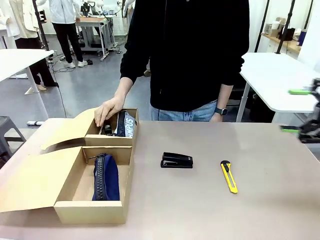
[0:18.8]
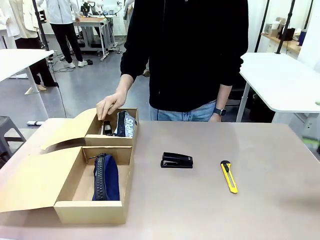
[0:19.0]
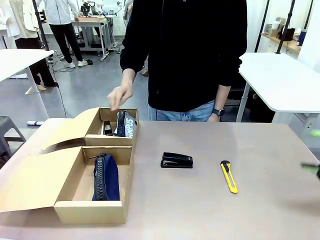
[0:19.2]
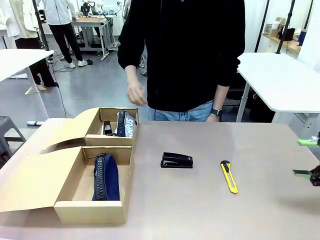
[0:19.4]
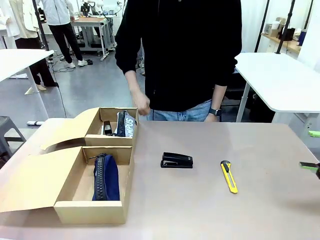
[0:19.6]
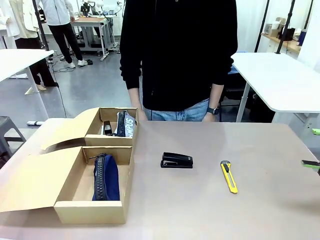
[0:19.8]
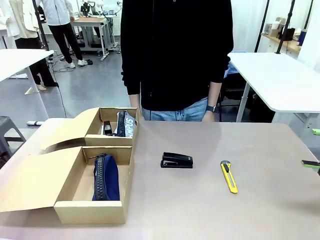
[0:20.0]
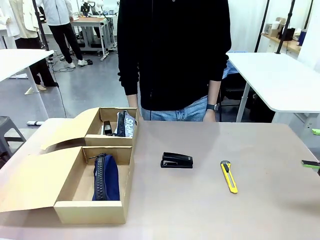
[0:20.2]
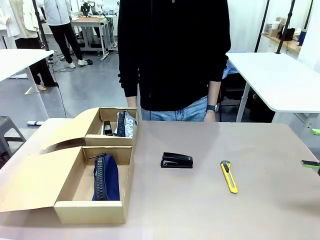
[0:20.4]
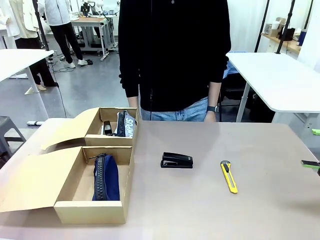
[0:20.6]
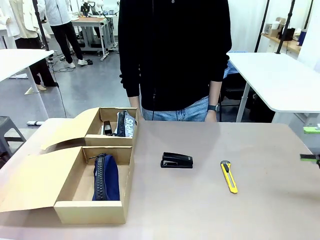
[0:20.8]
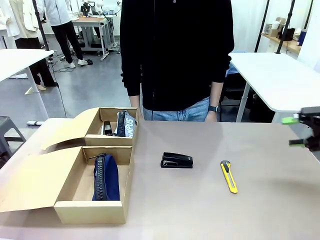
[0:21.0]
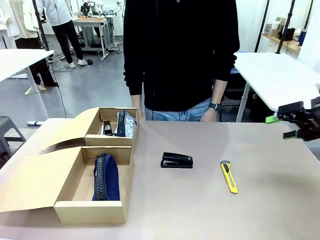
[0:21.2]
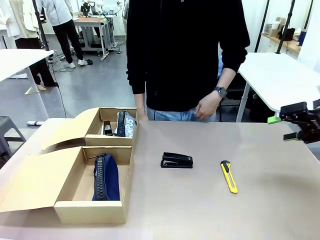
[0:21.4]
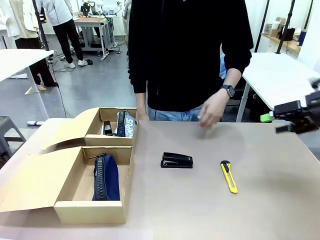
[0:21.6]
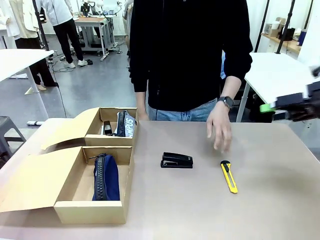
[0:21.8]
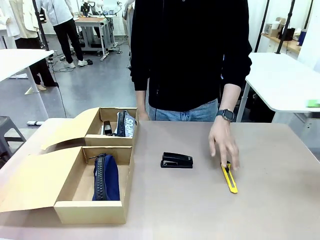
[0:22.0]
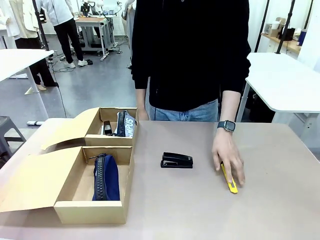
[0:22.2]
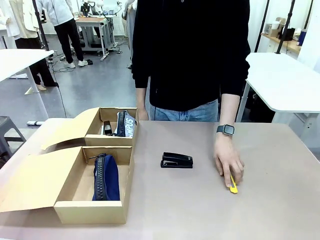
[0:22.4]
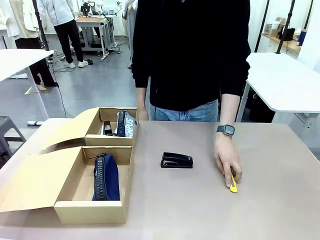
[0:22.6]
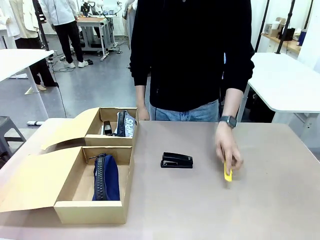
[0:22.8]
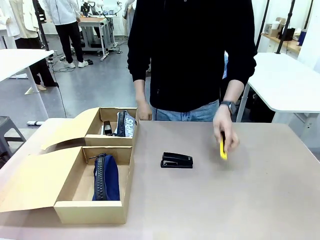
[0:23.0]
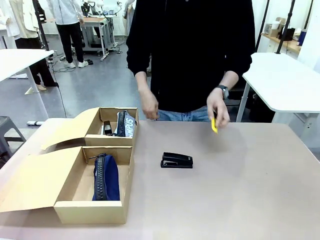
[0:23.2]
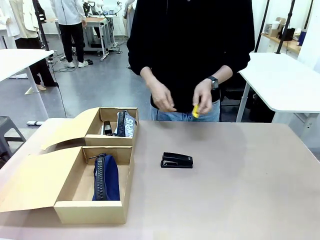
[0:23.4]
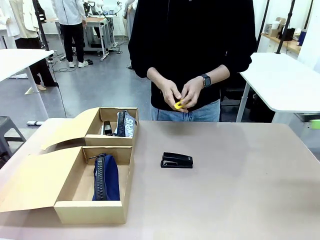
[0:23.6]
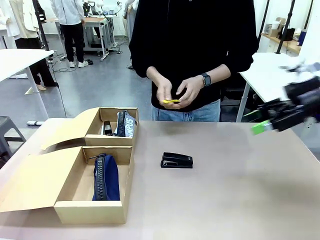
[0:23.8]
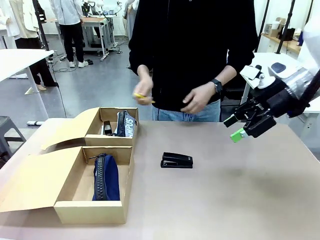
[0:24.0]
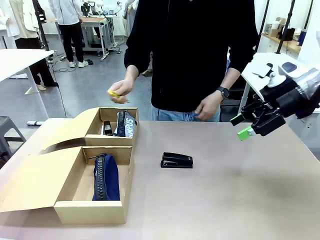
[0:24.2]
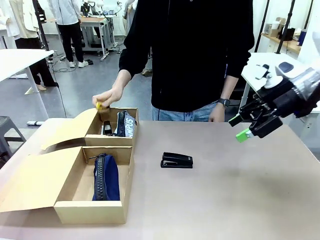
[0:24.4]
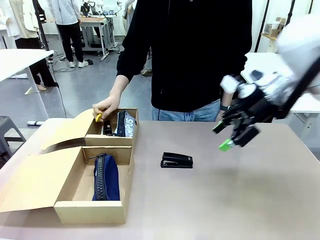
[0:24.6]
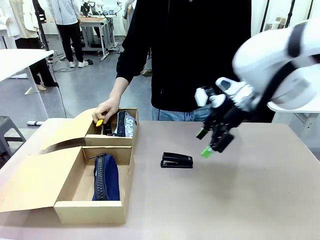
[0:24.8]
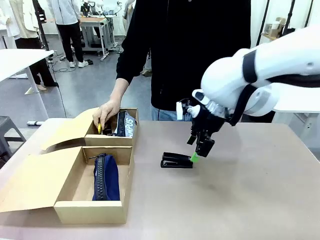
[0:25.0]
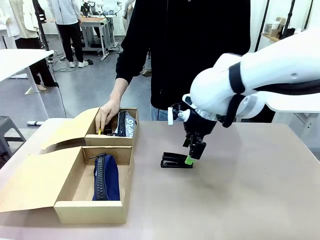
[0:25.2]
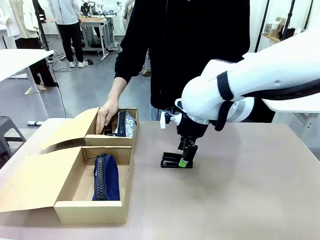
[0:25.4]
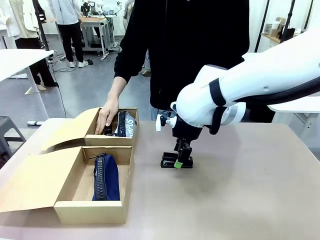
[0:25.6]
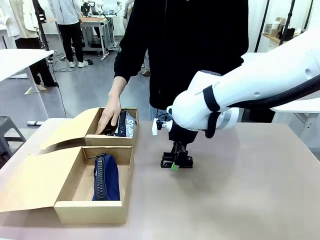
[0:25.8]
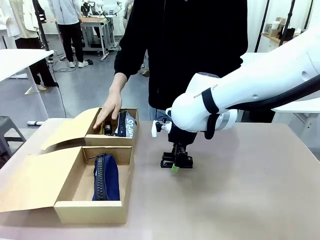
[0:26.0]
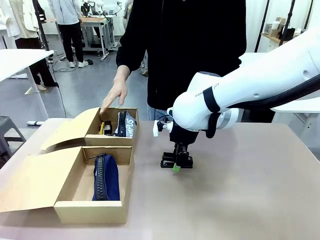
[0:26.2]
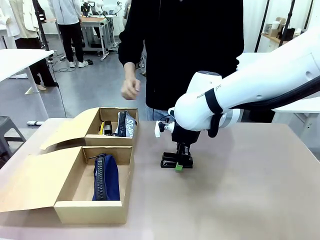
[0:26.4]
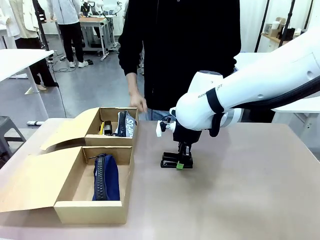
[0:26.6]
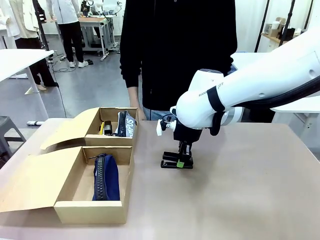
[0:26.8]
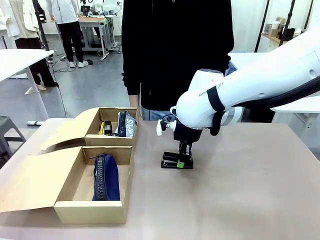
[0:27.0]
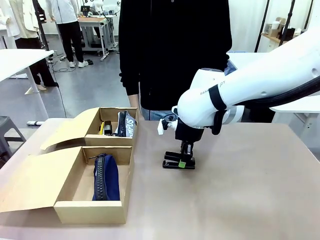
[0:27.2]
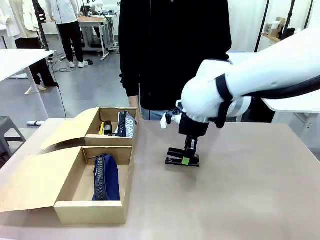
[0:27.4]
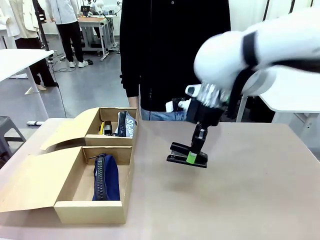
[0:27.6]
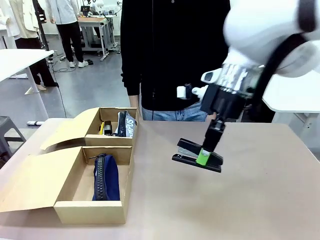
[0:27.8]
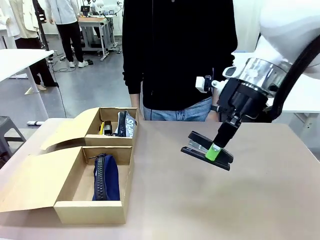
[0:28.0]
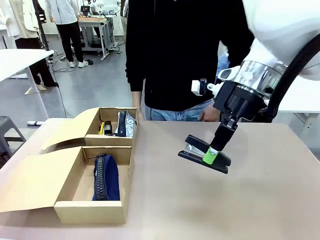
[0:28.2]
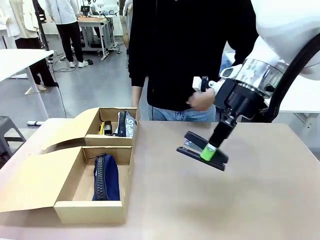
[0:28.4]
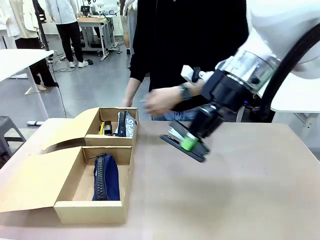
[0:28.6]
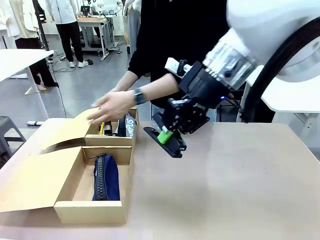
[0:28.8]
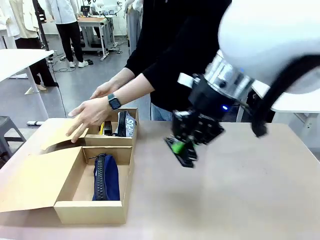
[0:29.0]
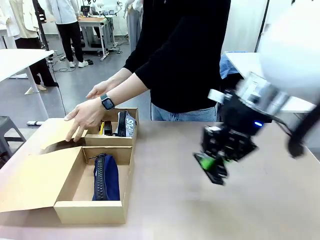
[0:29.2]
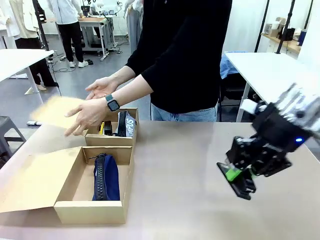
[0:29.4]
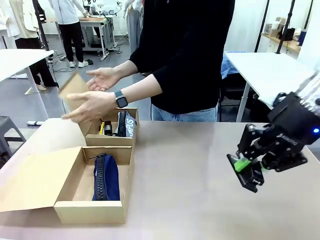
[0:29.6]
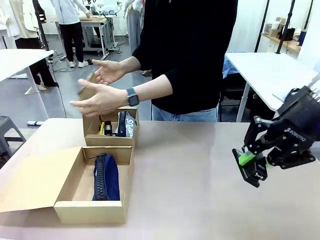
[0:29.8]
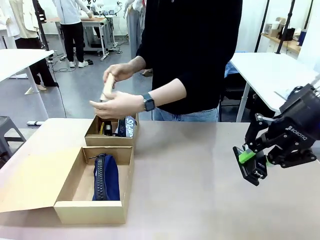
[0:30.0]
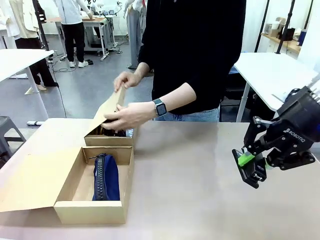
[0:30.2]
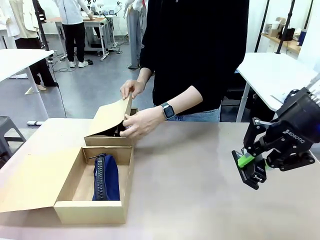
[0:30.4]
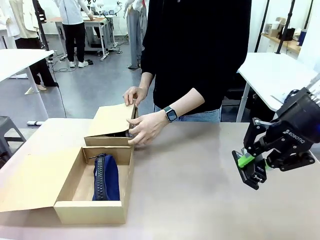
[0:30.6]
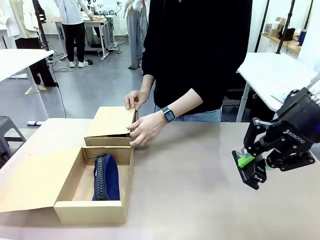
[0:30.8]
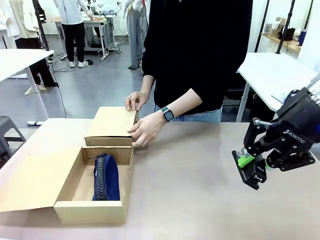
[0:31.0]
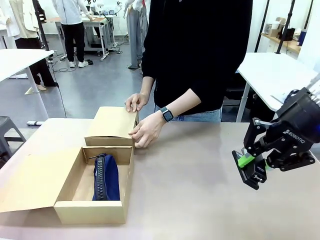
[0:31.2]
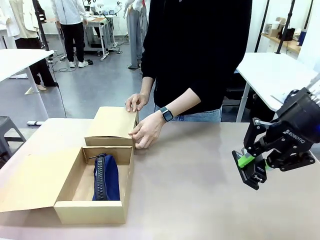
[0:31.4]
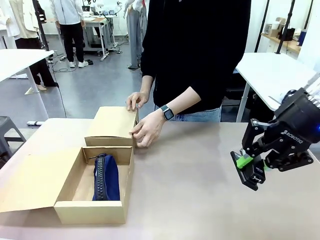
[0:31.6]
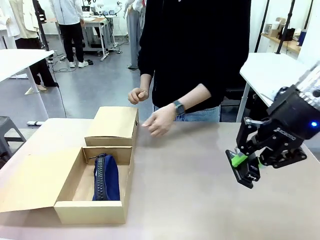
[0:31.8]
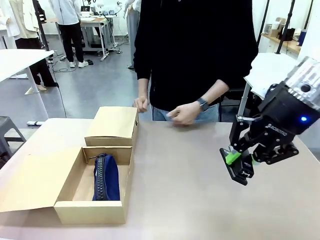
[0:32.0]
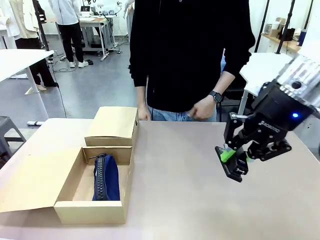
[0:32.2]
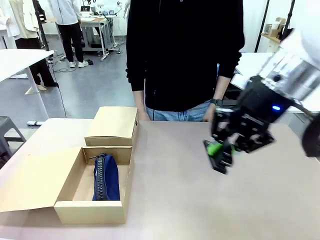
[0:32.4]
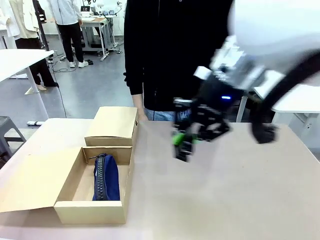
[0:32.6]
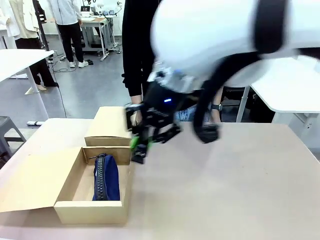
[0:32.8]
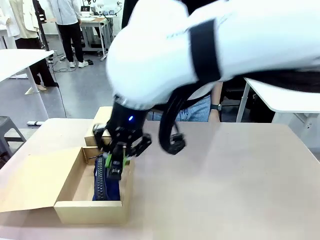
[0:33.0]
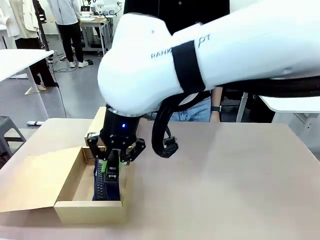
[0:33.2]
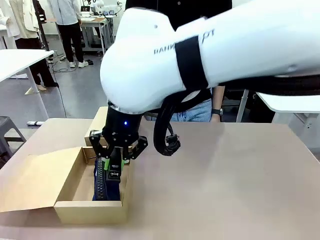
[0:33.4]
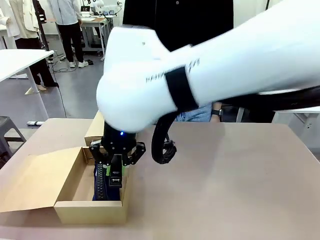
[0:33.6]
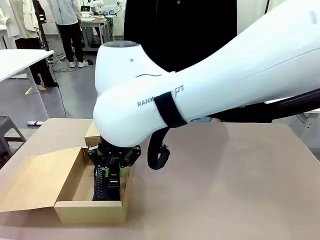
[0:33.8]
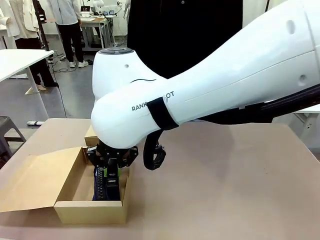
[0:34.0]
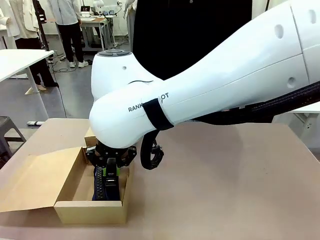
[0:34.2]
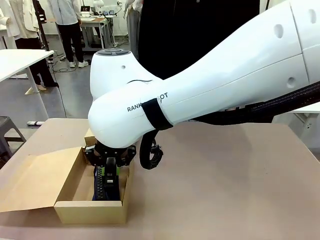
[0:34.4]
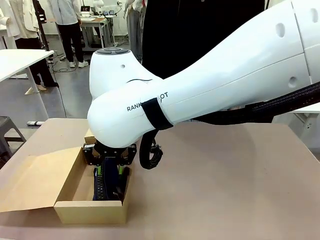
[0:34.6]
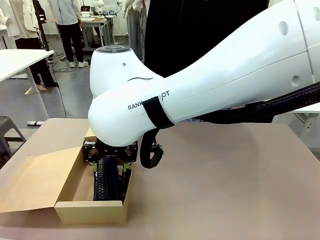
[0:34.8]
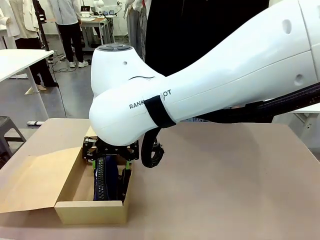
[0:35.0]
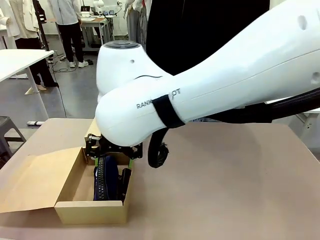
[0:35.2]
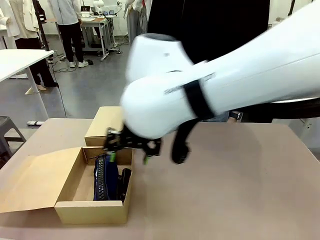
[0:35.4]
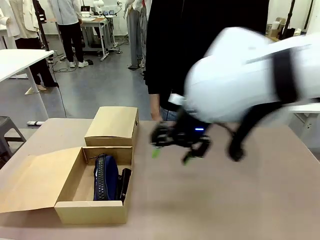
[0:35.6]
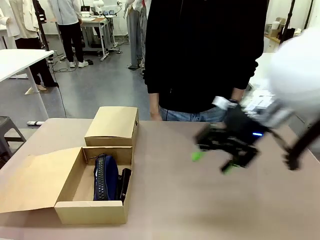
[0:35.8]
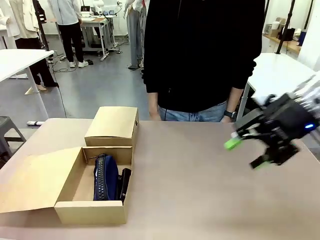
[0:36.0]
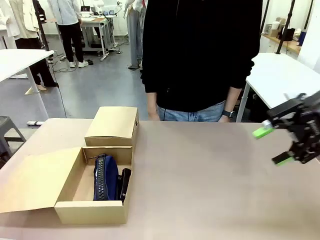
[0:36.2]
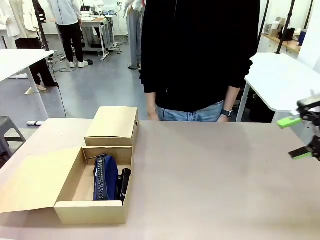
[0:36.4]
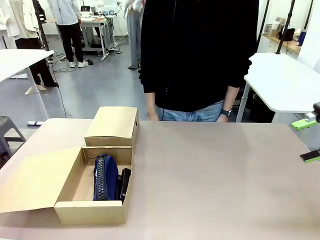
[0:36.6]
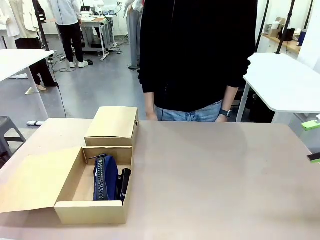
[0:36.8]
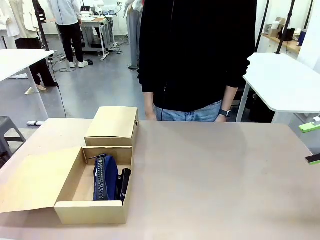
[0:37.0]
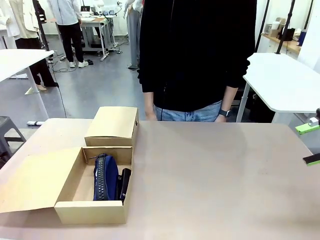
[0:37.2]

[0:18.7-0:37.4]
Task: Place items inside the box.
Robot: Pick up a Pencil pouch or Stapler and place it inside the Mailer Box closest to the robot.
